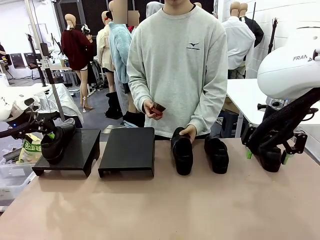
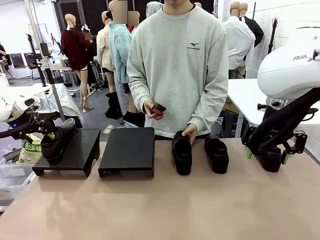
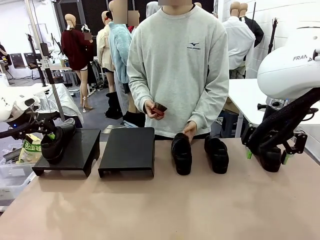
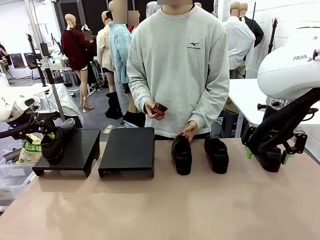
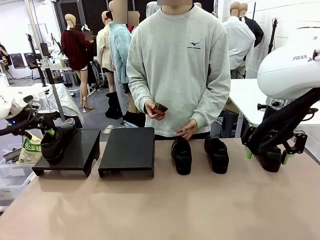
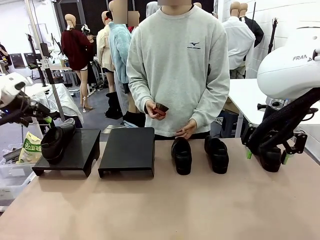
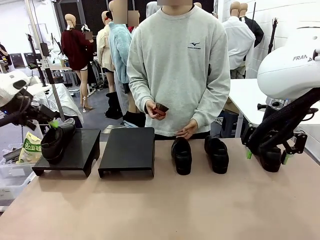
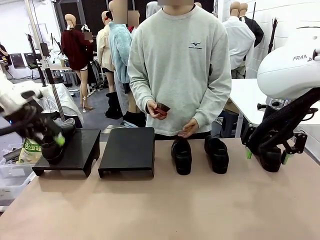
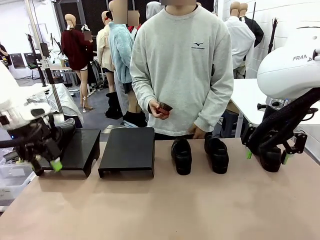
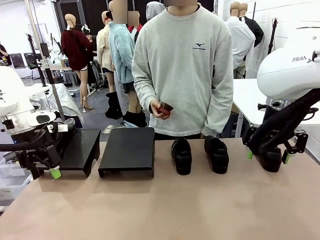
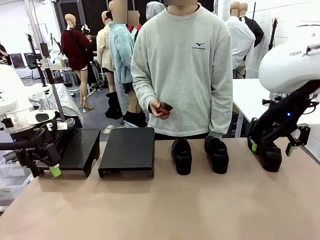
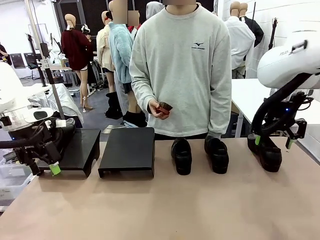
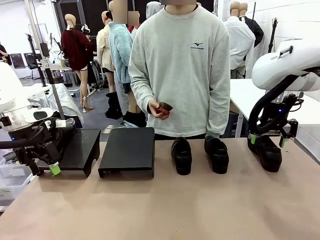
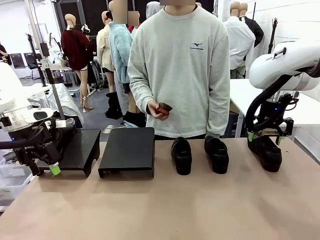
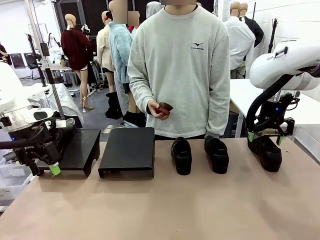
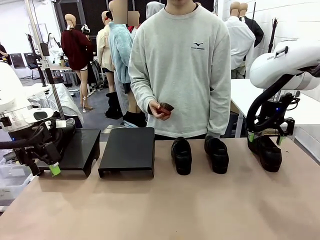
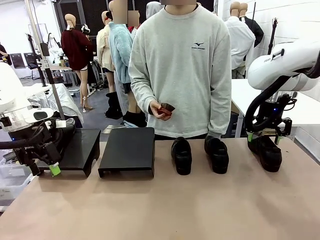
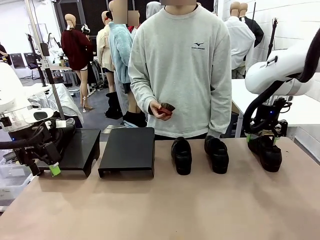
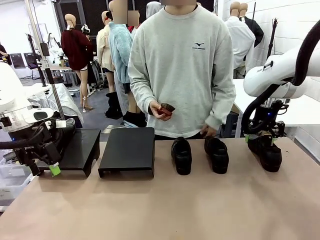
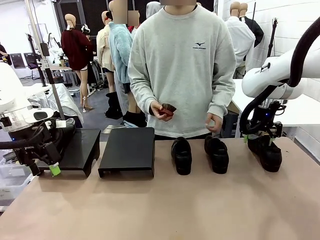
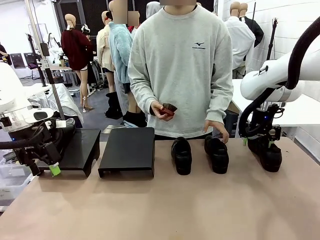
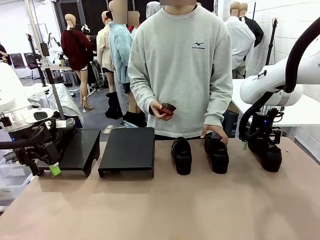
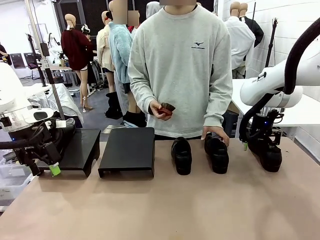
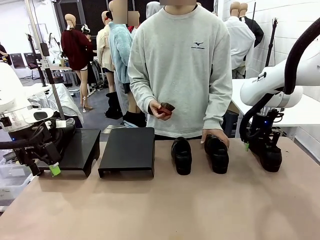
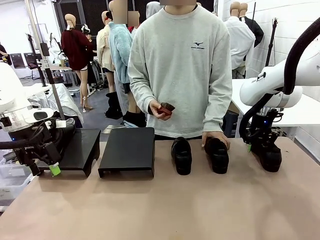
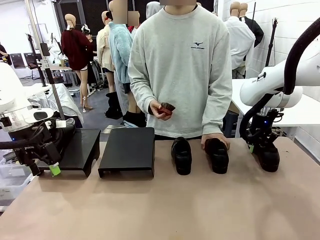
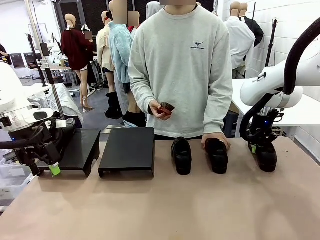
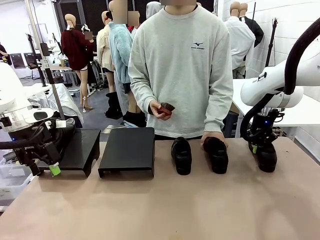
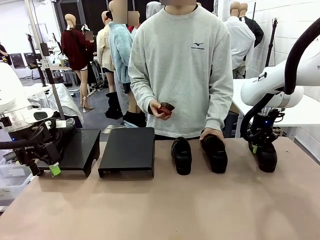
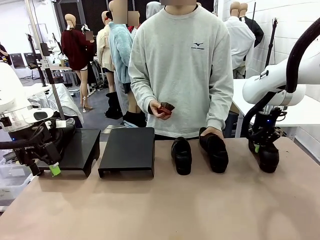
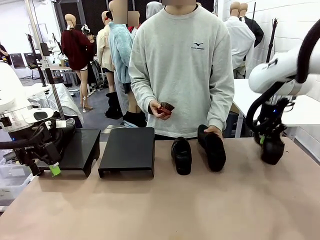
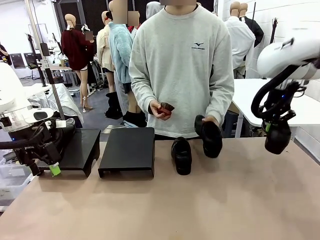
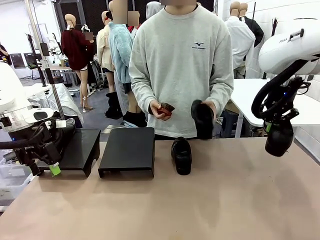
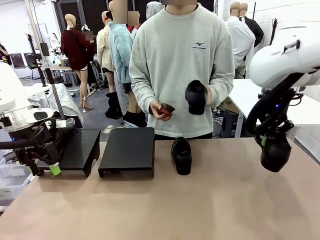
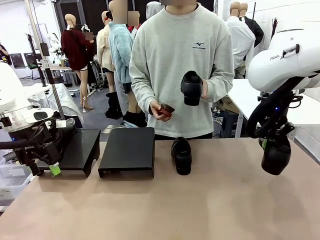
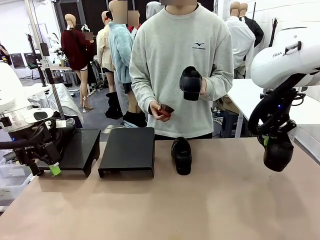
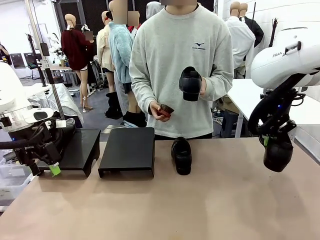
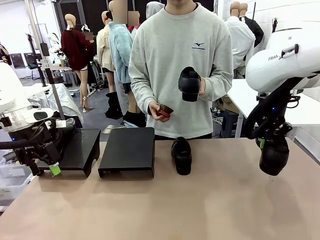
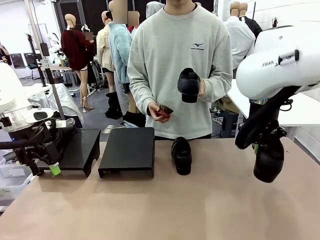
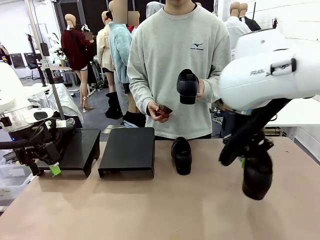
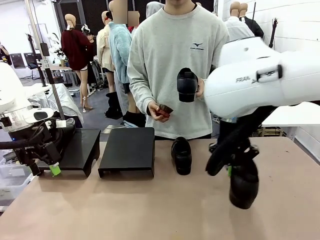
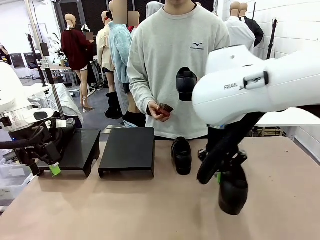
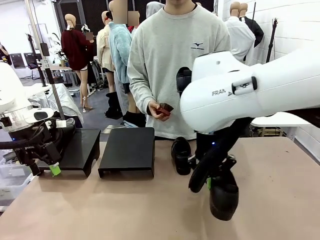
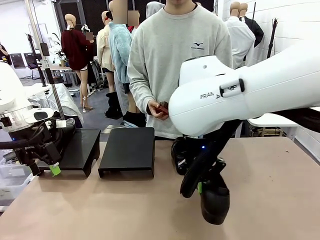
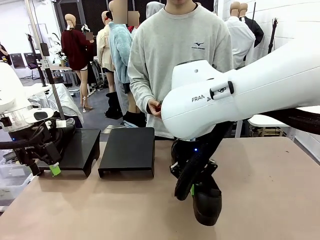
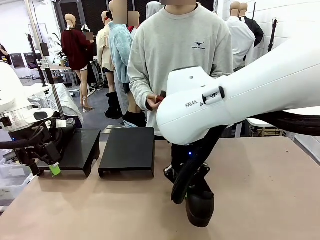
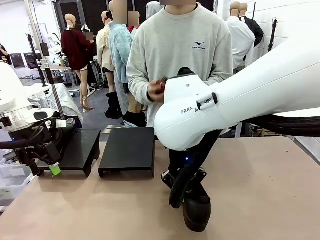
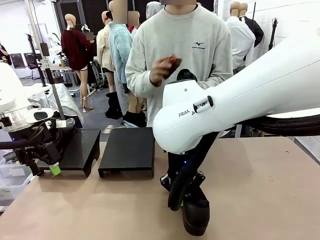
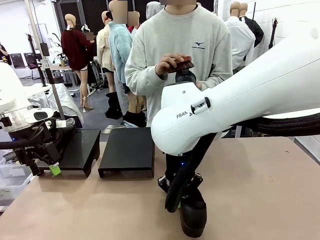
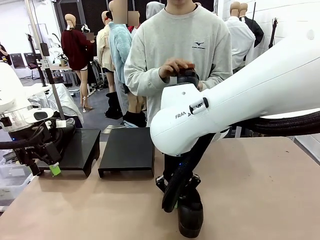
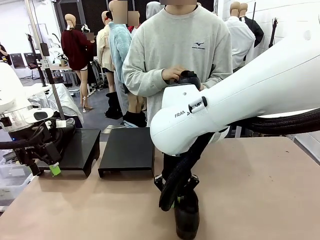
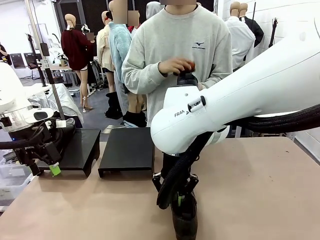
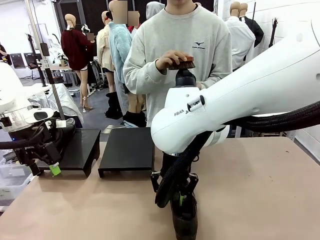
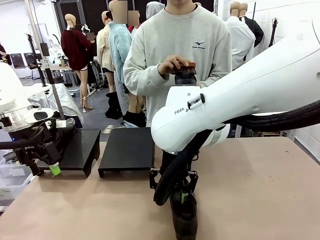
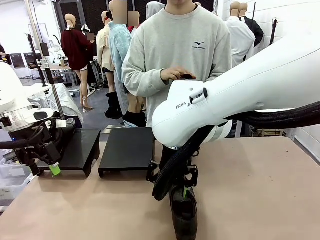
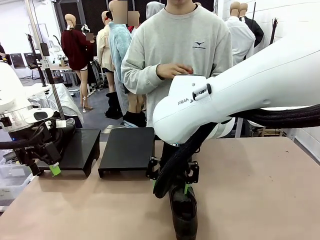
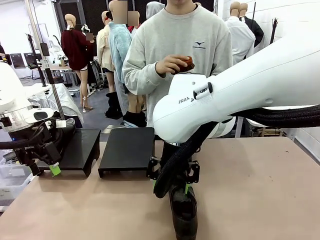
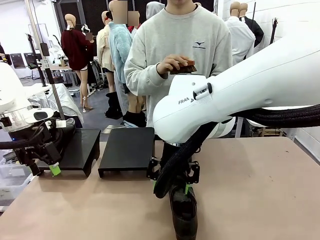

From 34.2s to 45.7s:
Task: Organize the shoes by placing them on the stand.
Robot: Pick up one Shoe and place it in the middle of the table.
Person: Pick one Shoe on Robot's table.

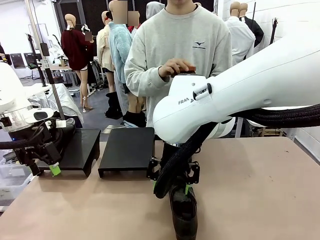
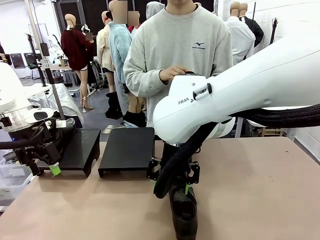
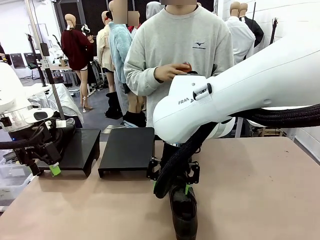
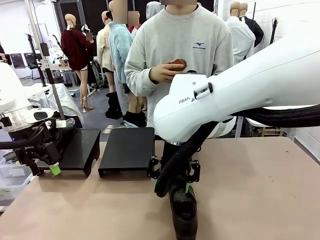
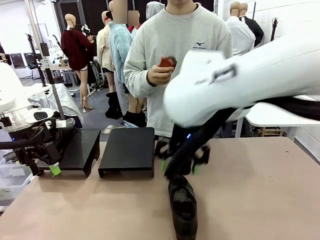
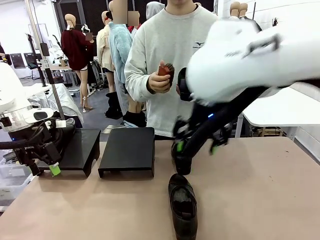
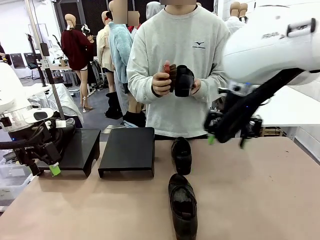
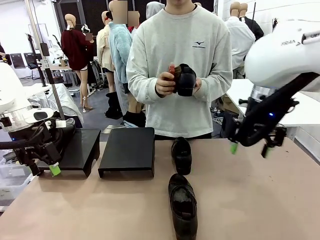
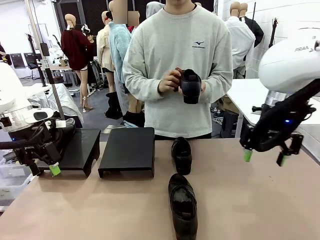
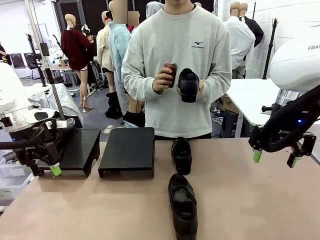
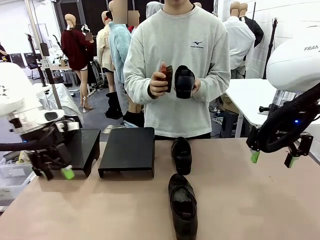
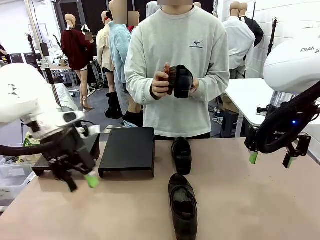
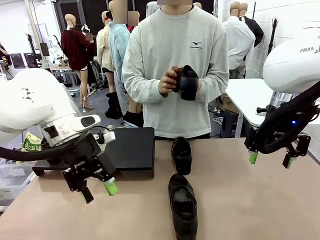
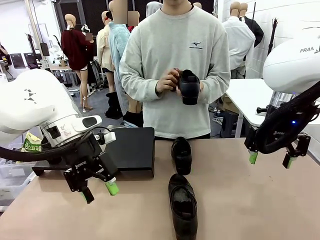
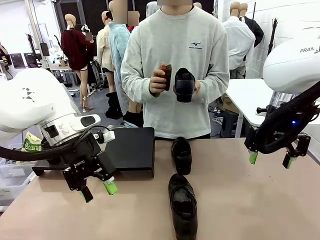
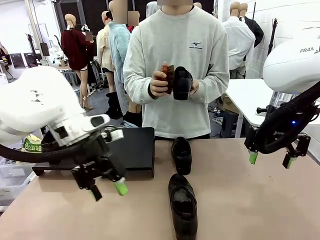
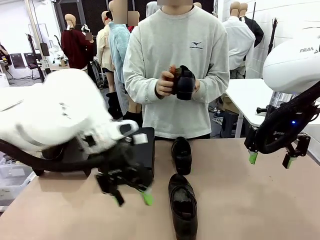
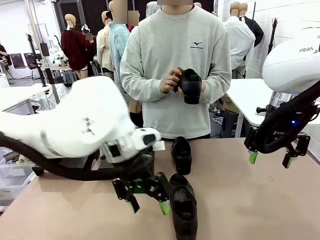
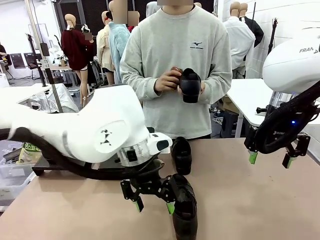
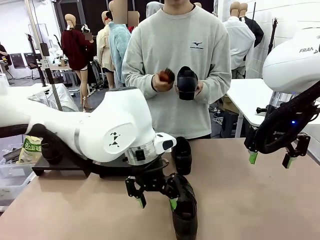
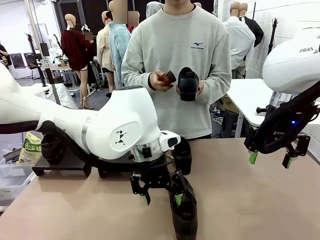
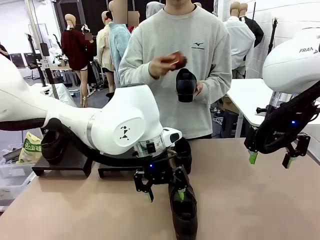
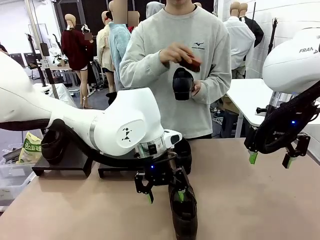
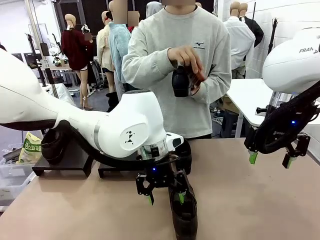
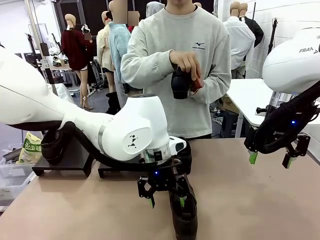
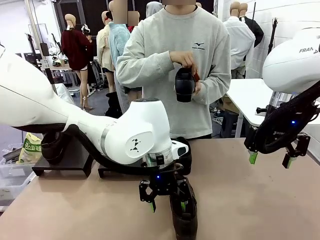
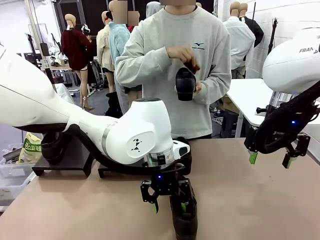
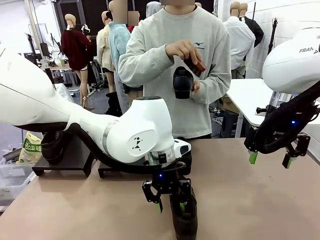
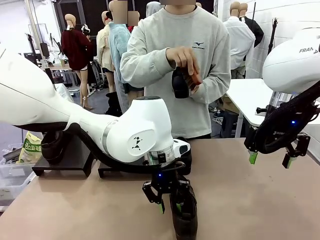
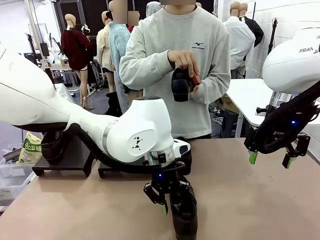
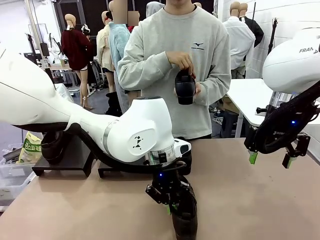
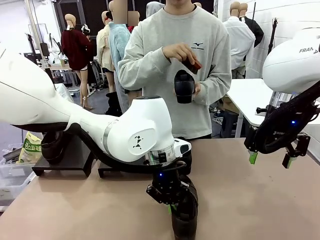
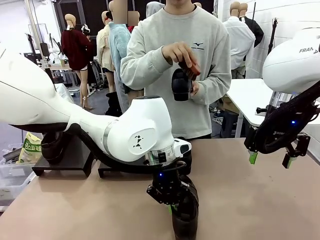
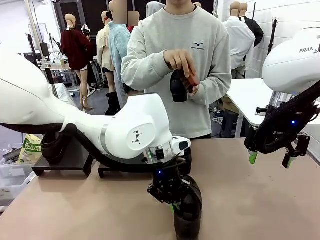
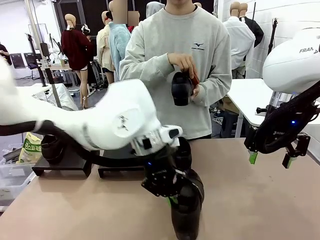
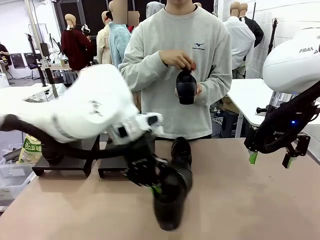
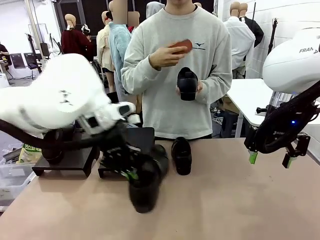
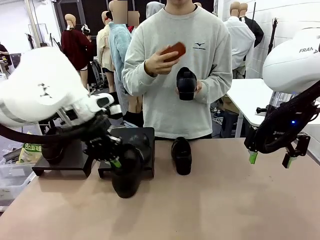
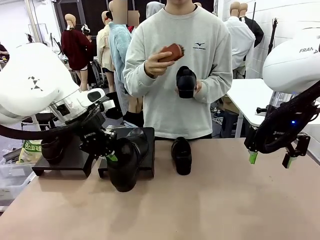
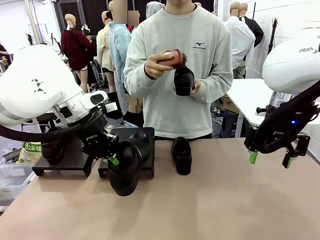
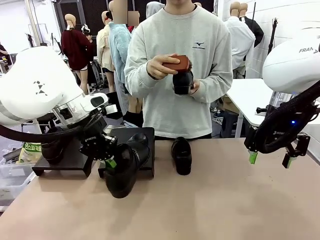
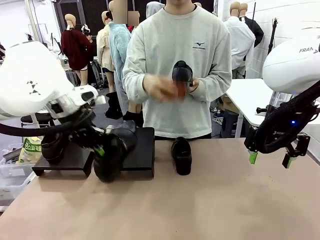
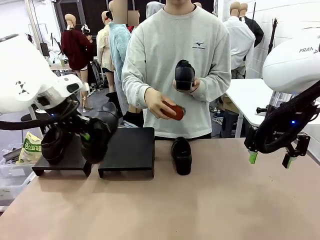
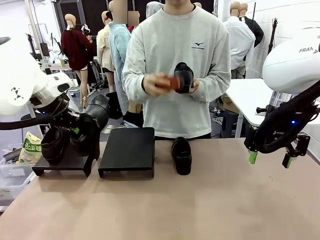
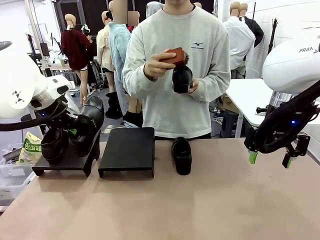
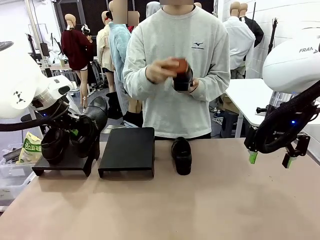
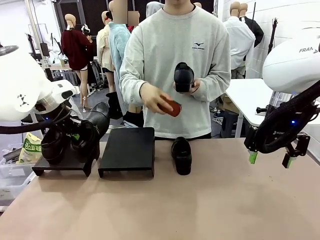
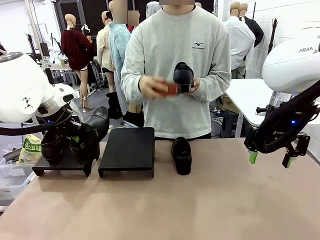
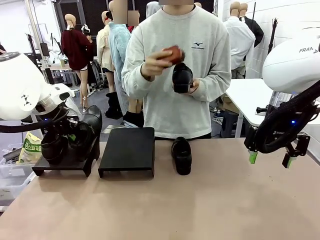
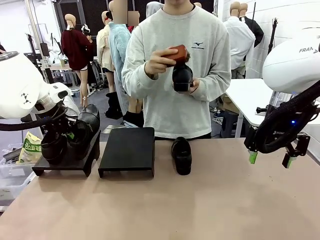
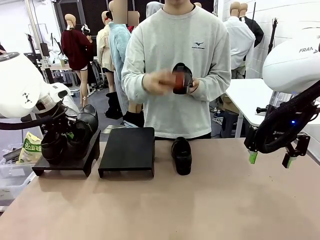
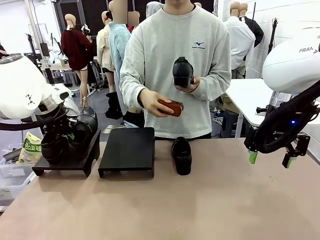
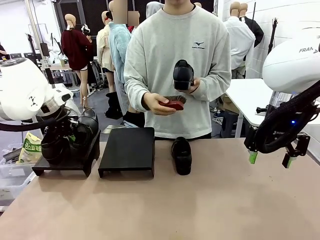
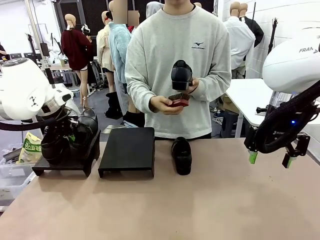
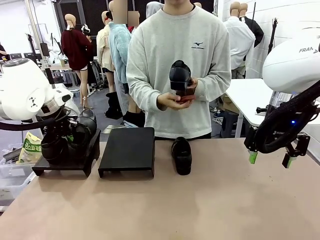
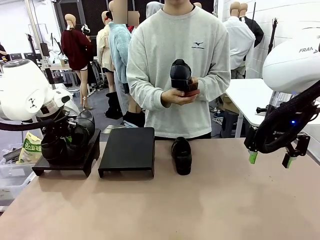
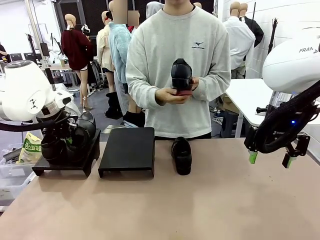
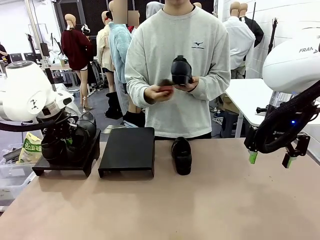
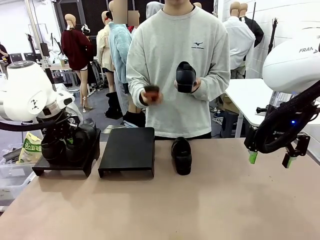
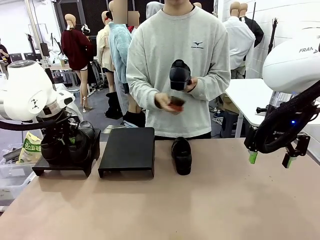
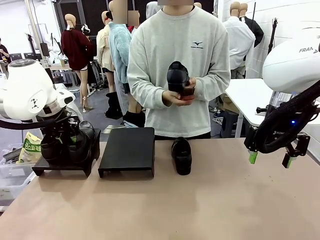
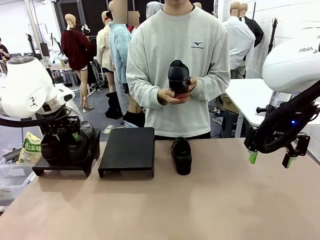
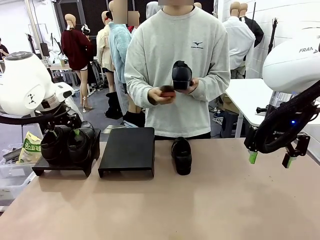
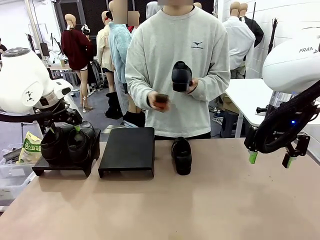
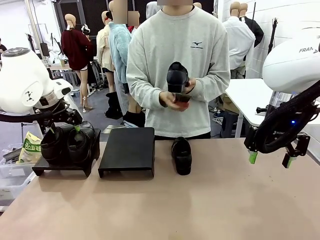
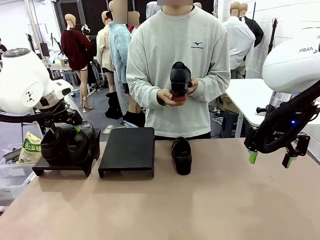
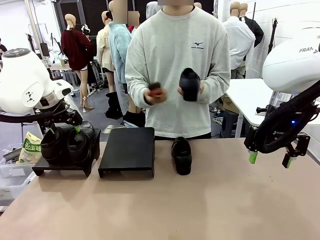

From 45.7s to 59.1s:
Robot: Place the Shoe from the middle of the table onto the Shoes Stand.
Person: Clean the Shoe with the Shoe Brush.
